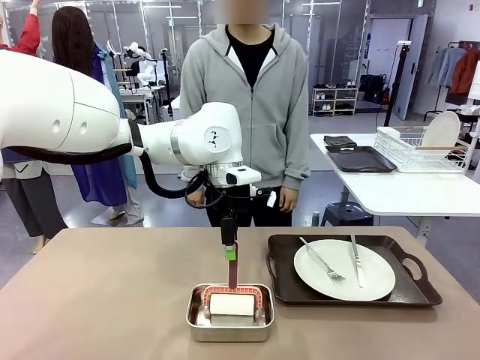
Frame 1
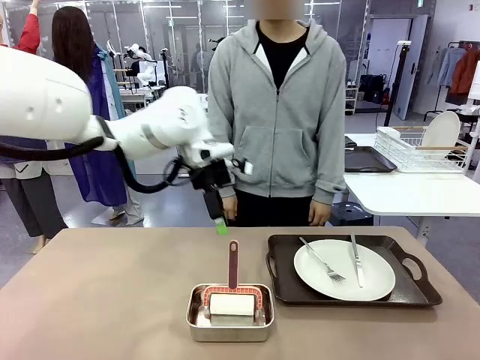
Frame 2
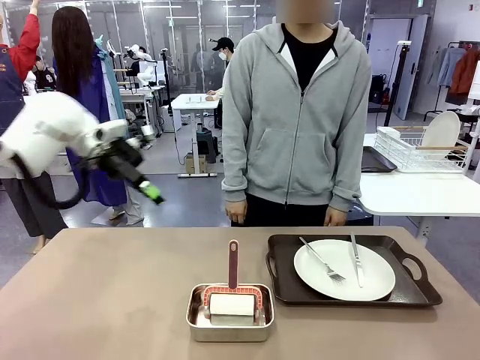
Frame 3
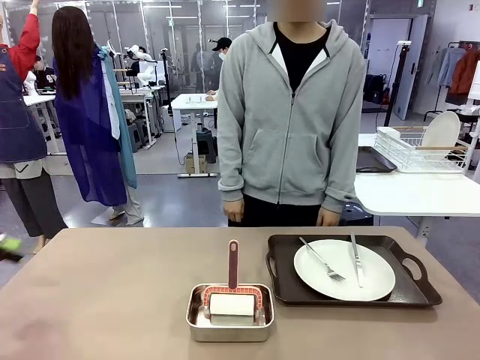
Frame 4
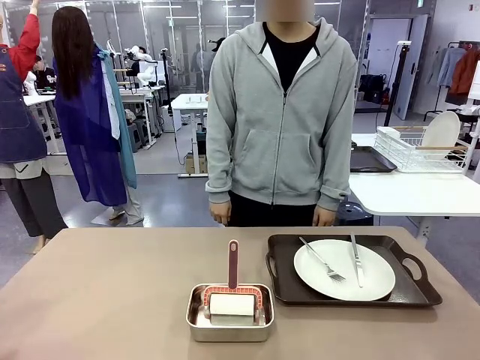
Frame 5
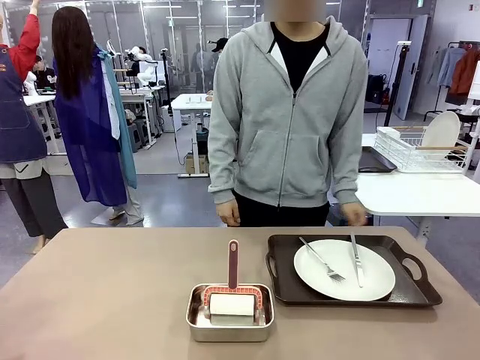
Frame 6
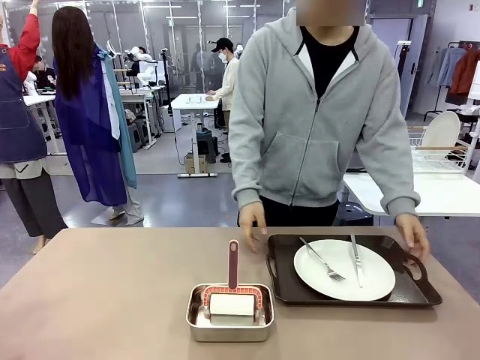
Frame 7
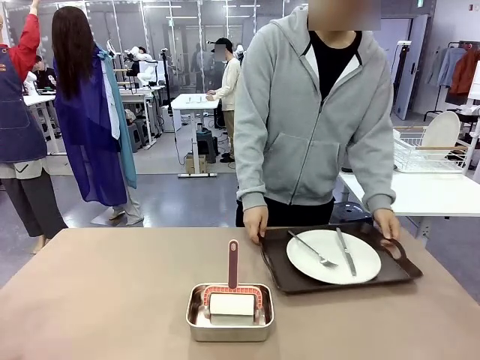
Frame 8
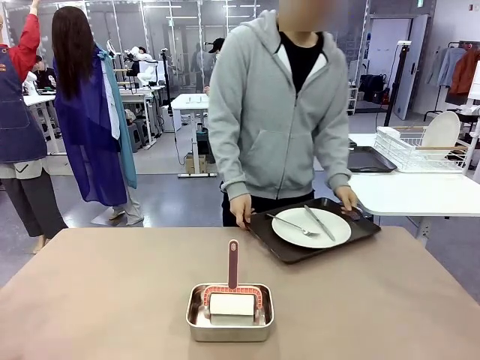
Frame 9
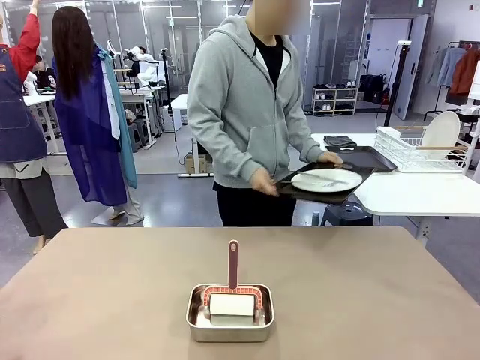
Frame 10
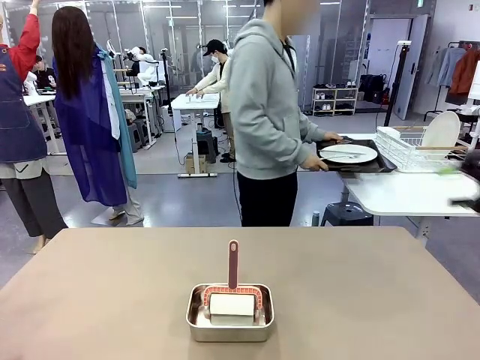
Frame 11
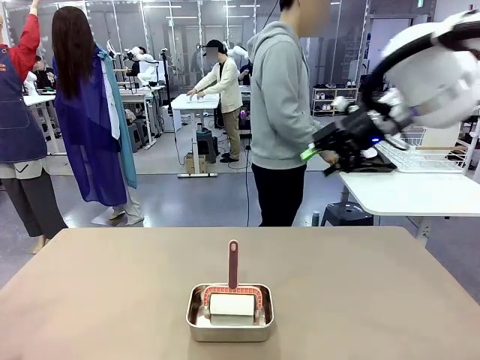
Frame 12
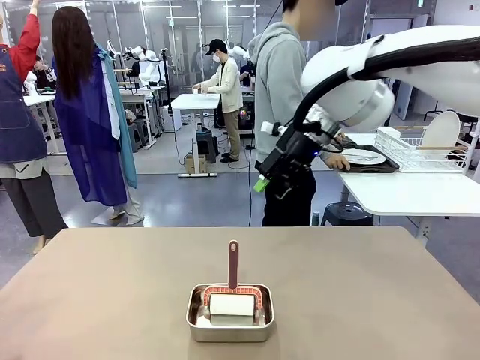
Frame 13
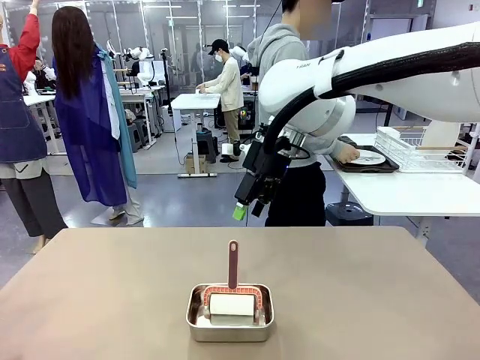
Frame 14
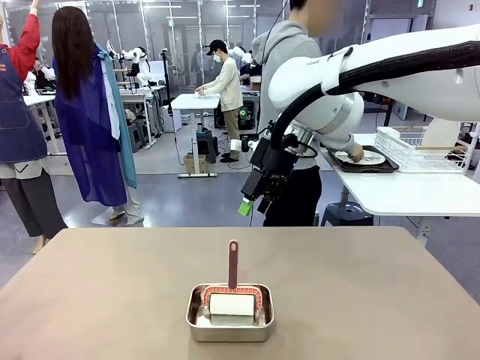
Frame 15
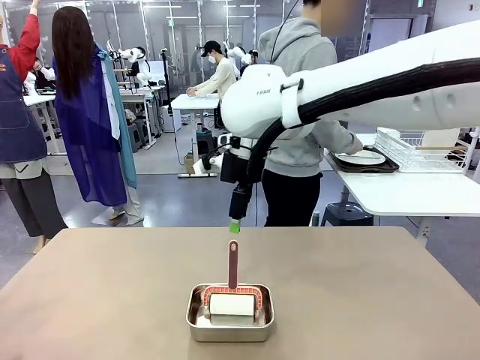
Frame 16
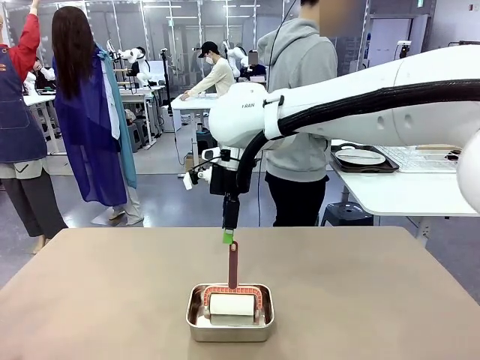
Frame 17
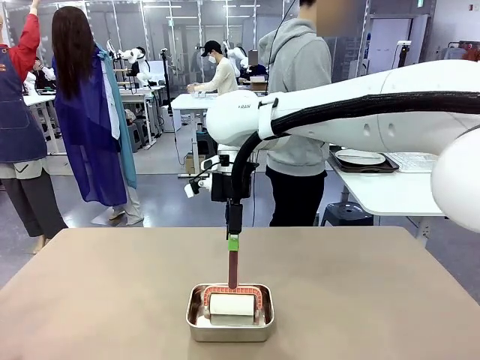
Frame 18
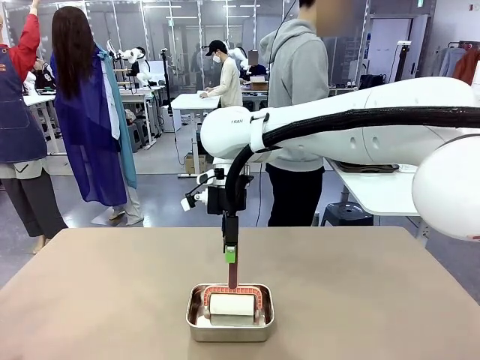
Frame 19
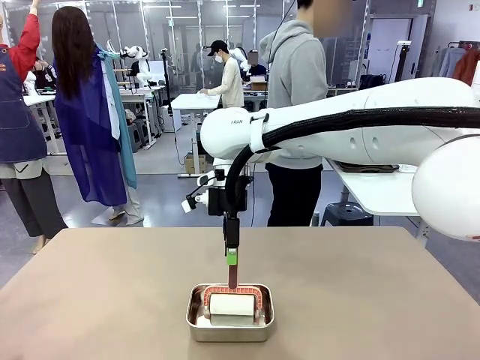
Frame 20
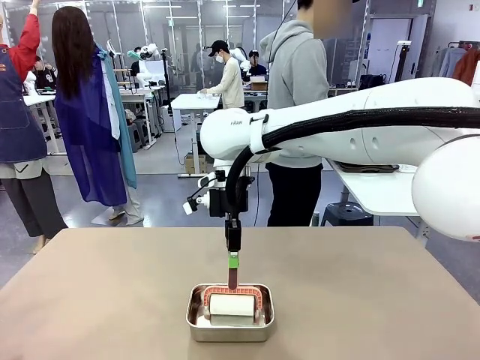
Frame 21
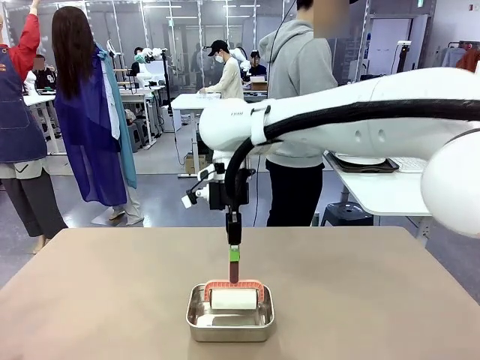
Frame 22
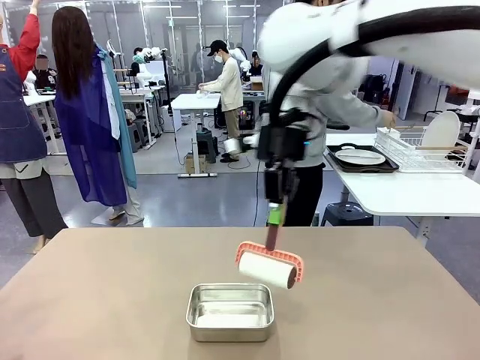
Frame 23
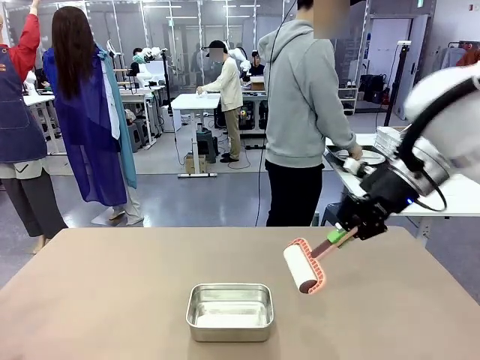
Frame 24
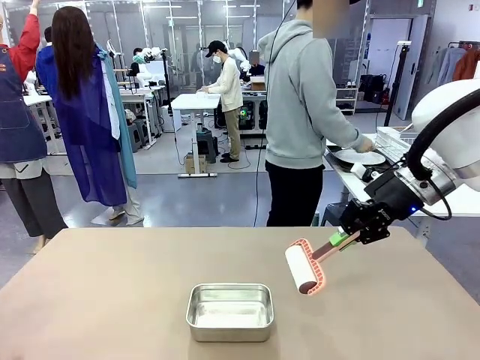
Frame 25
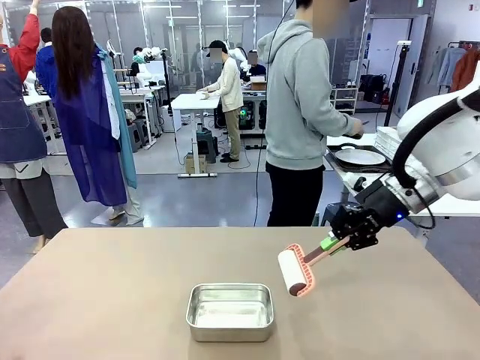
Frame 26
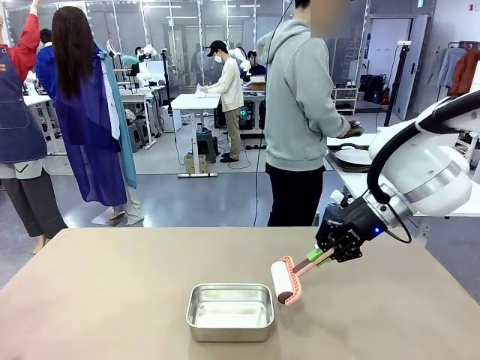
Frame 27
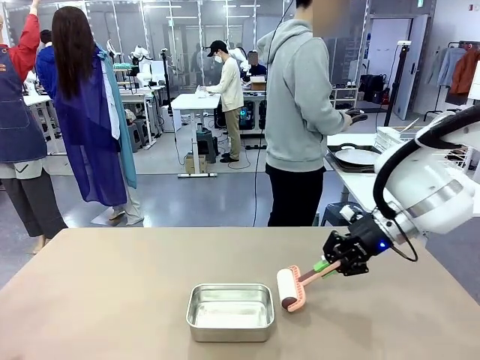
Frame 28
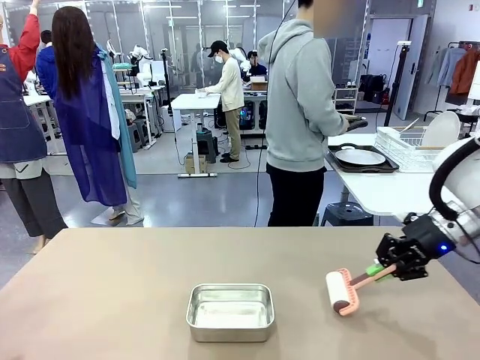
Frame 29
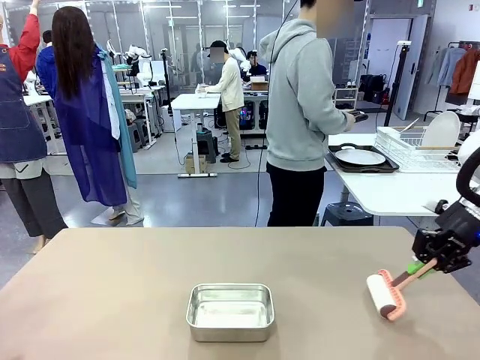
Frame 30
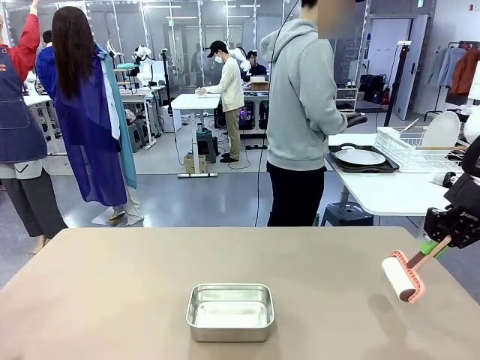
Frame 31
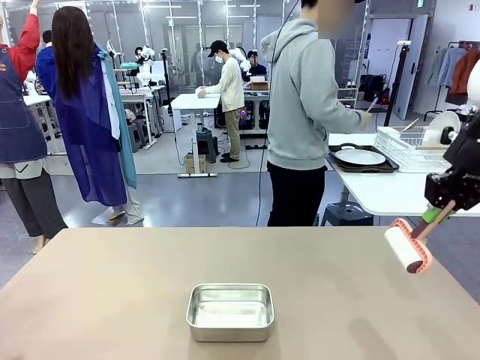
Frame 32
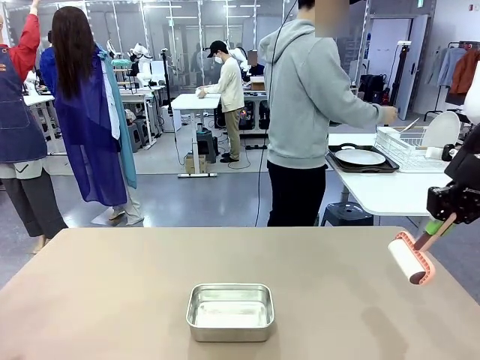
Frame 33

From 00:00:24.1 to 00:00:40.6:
Robot: When the right (or left) Handle tray is removed, use the right hand (or left hand) to clean the right (or left) side of the table with the Lint Roller.
Person: Pick up the left (or right) Handle tray and place it on the Handle tray.

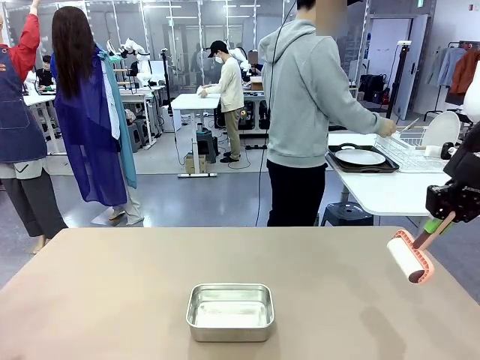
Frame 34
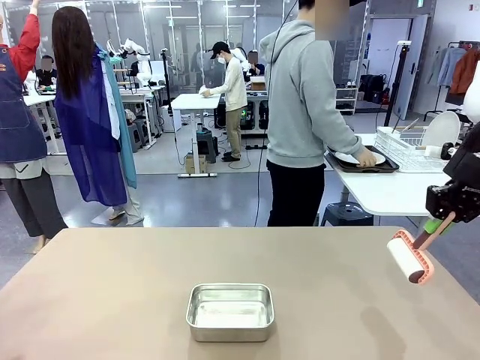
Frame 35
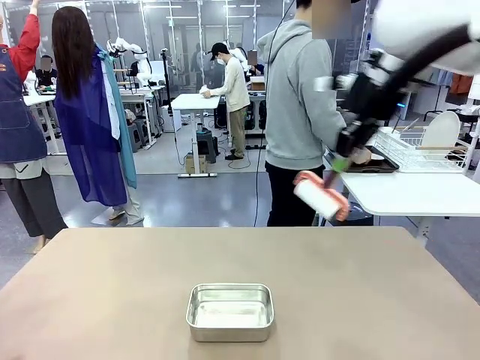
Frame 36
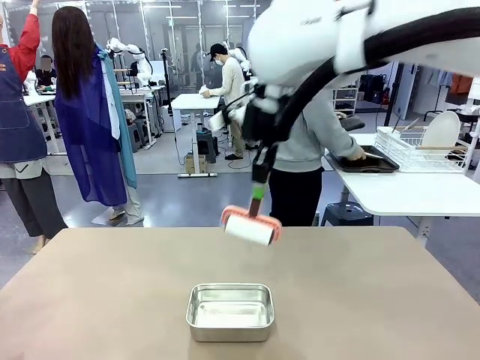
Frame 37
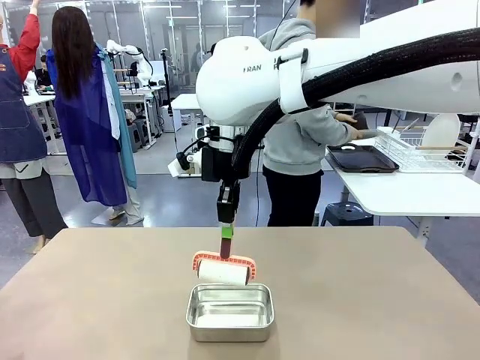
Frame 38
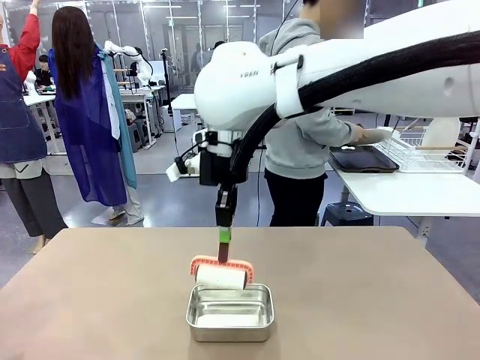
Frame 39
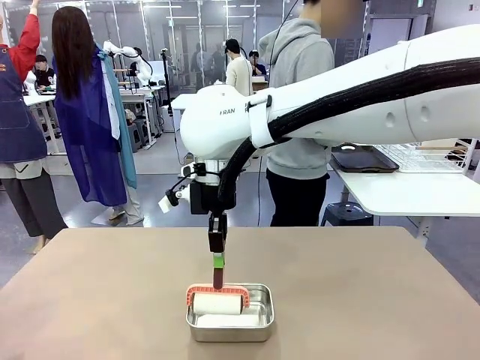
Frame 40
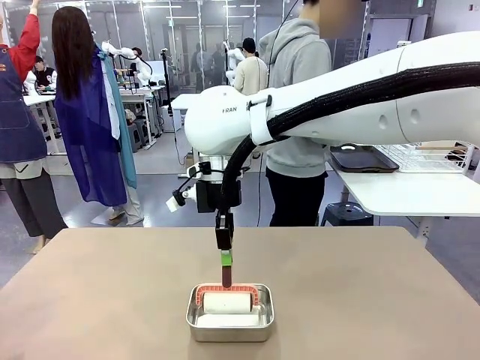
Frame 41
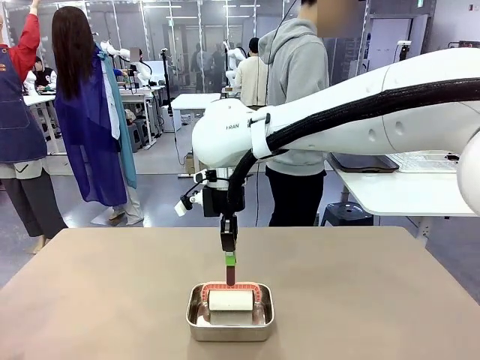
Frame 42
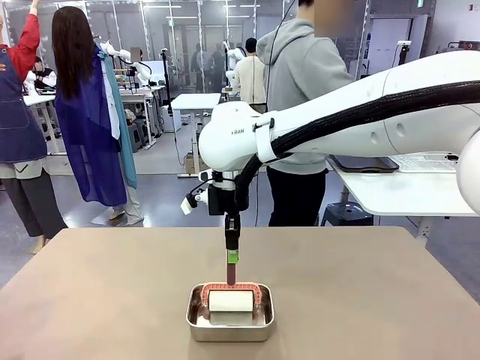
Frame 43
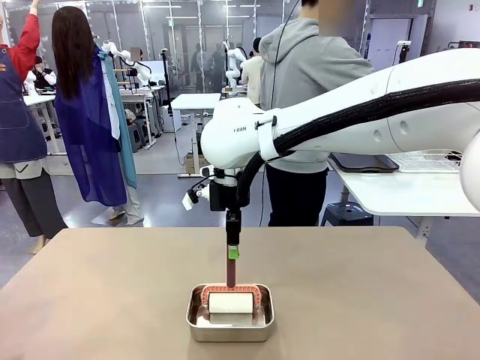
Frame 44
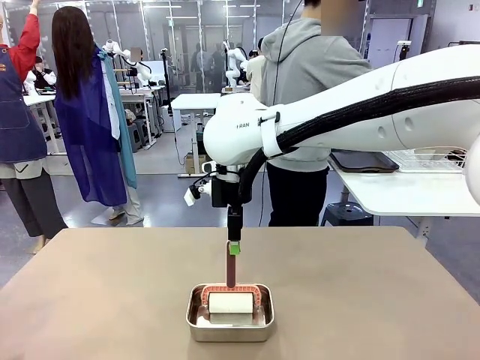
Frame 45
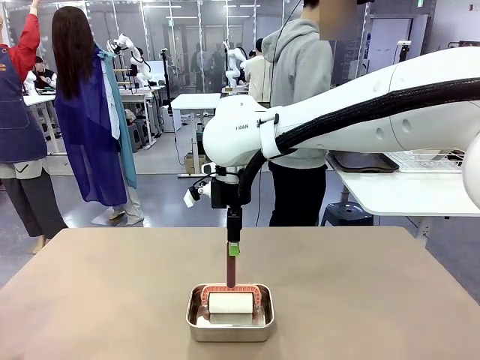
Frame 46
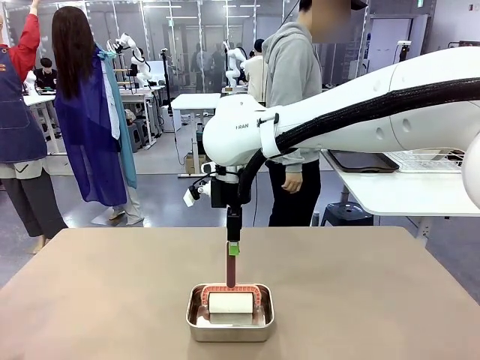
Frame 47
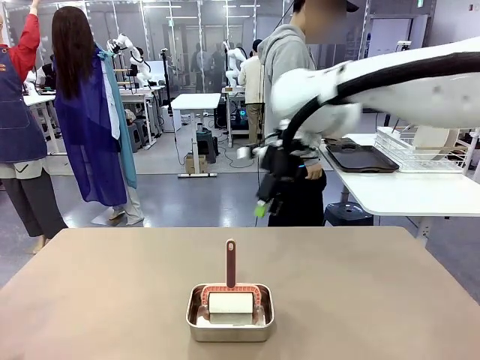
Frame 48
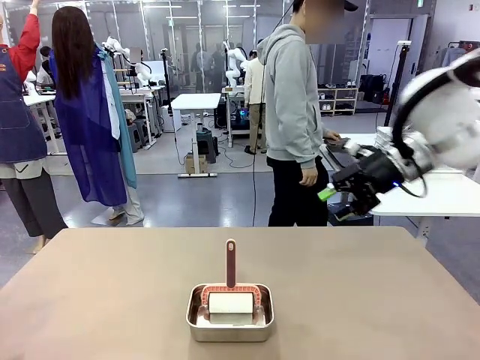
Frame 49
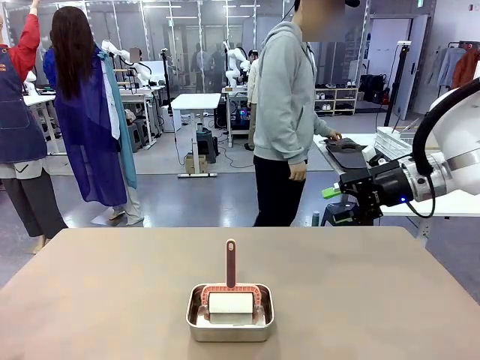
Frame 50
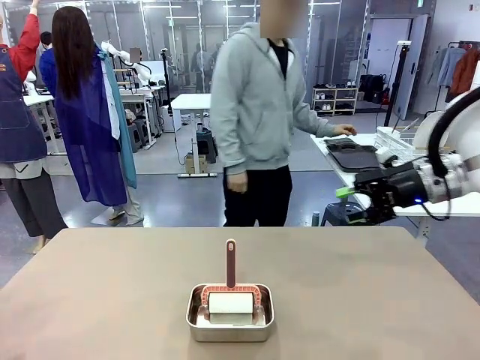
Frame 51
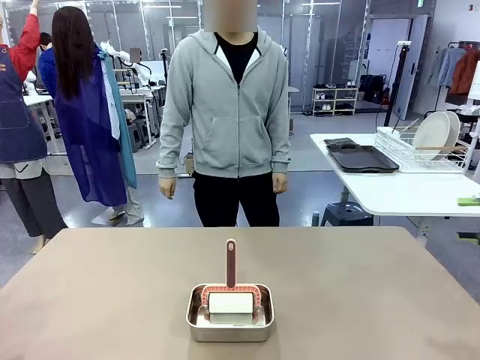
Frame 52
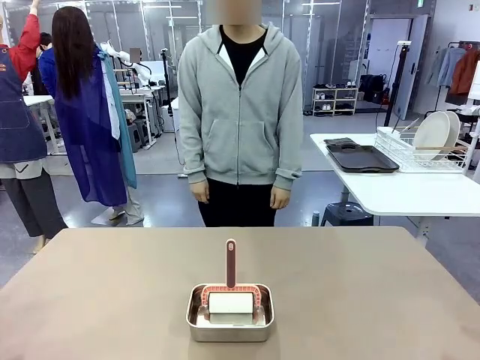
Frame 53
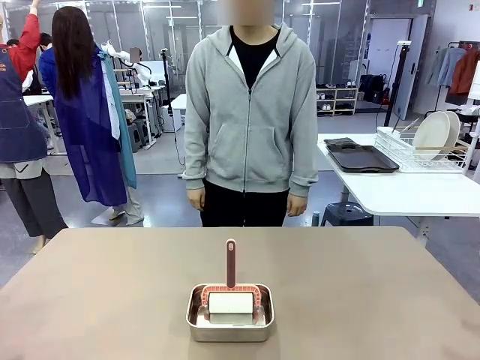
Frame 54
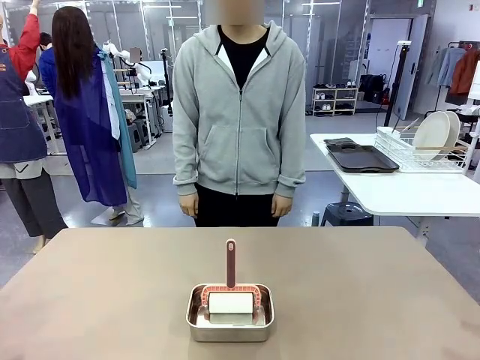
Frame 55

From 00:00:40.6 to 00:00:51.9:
Robot: Place the Lint Roller back on top of the Airtight Container.
Person: Use the Towel with hook to wipe the Plastic Matte Plate , Fork , and Knife and place into the Dish drying rack.
